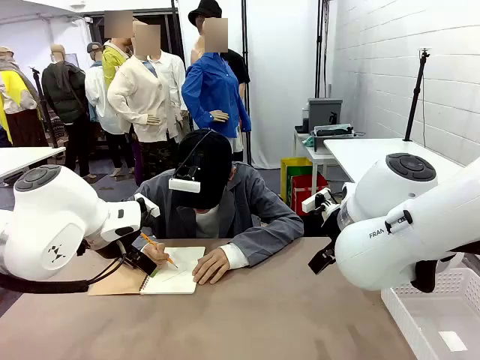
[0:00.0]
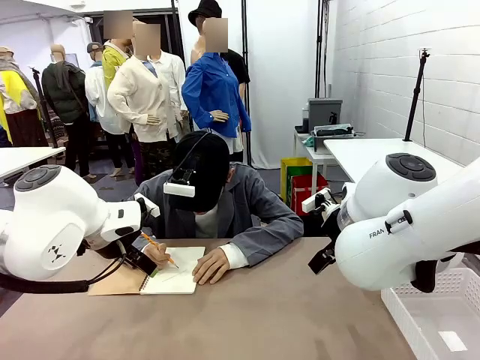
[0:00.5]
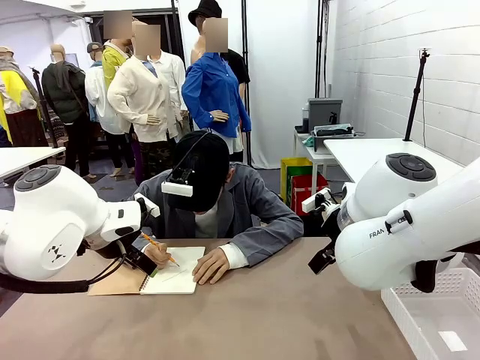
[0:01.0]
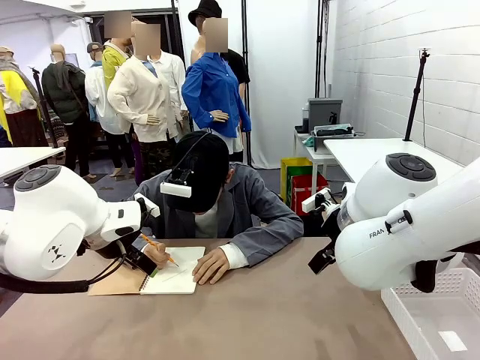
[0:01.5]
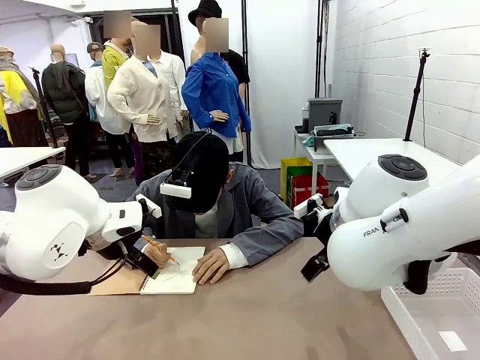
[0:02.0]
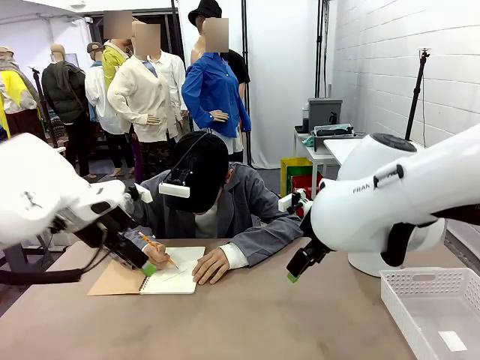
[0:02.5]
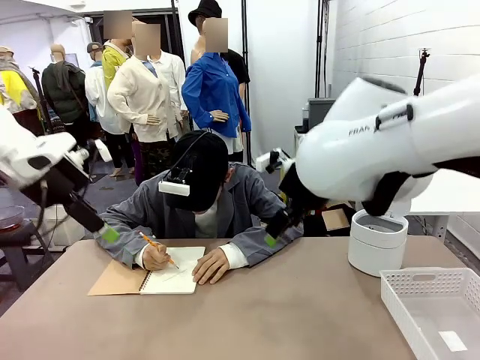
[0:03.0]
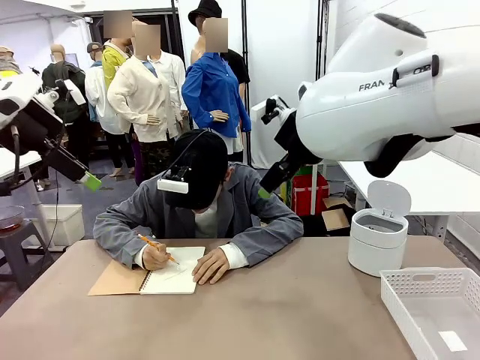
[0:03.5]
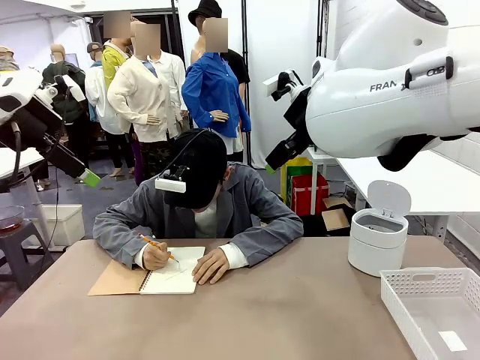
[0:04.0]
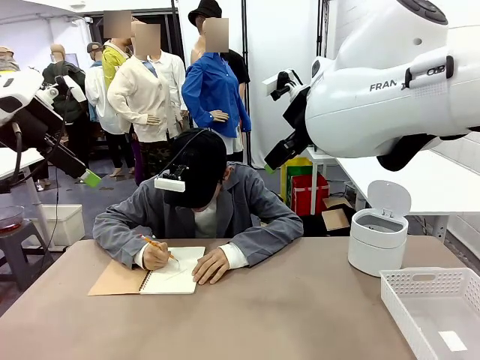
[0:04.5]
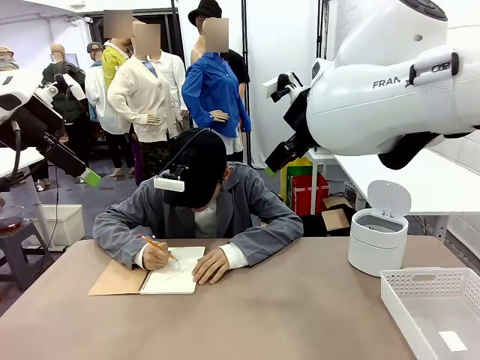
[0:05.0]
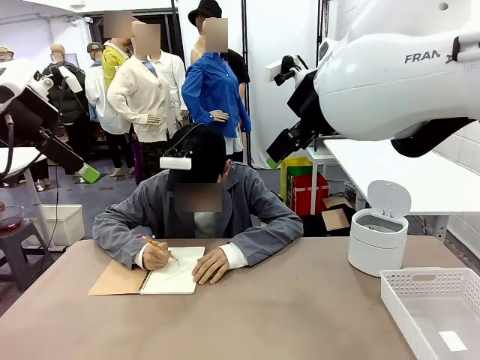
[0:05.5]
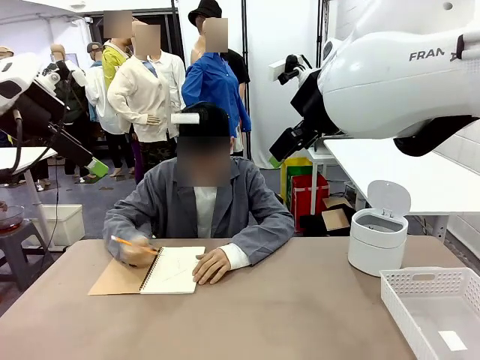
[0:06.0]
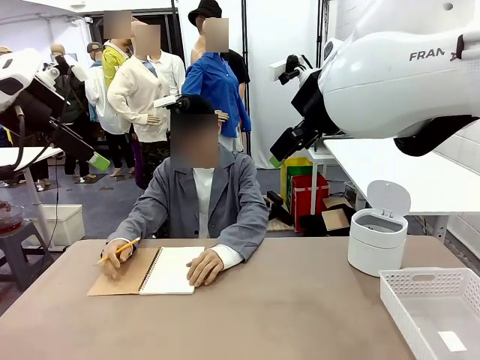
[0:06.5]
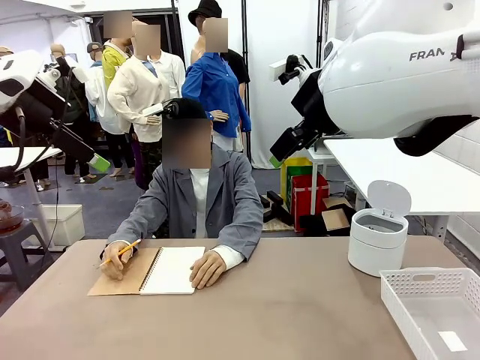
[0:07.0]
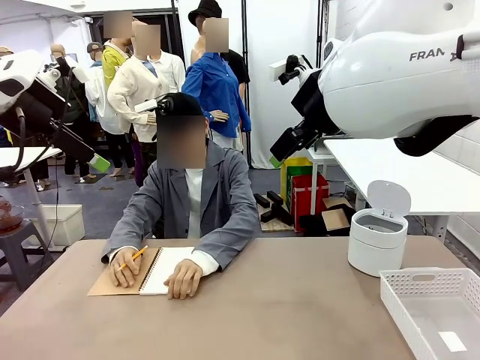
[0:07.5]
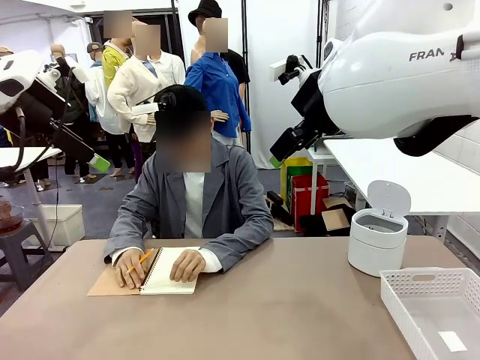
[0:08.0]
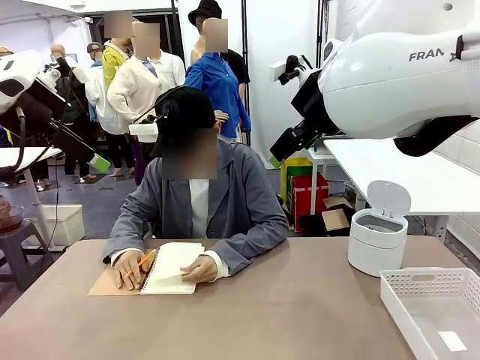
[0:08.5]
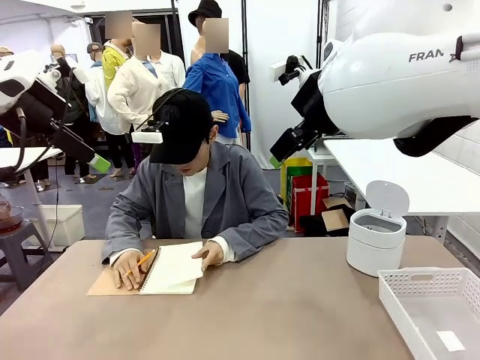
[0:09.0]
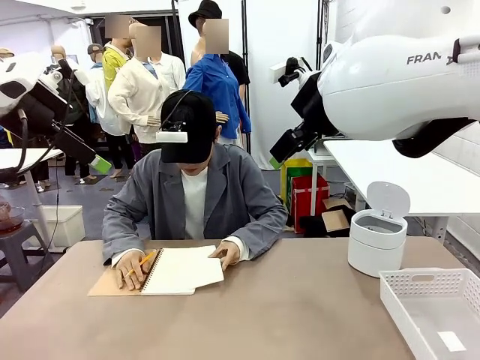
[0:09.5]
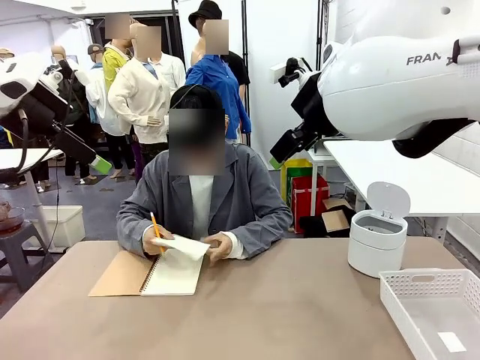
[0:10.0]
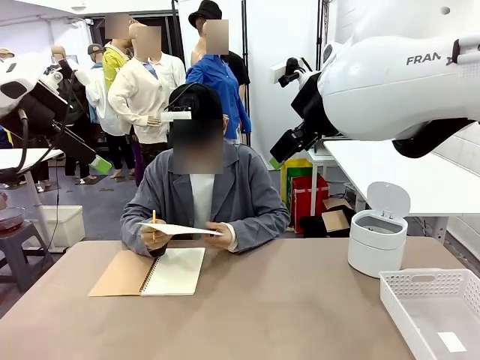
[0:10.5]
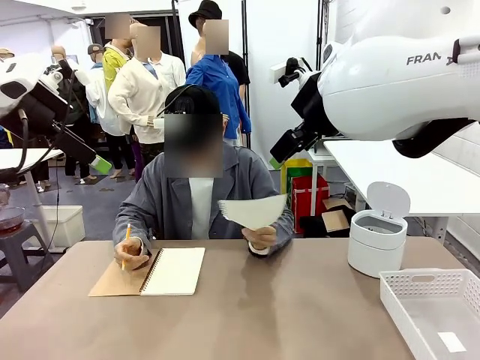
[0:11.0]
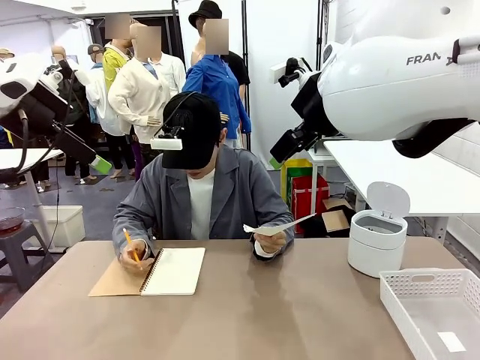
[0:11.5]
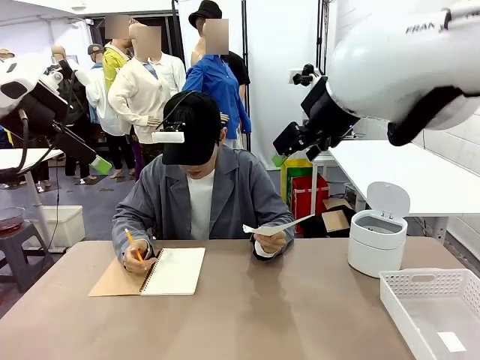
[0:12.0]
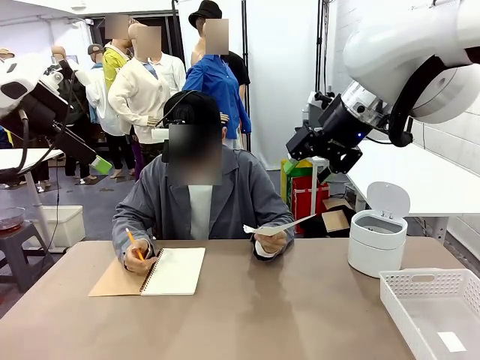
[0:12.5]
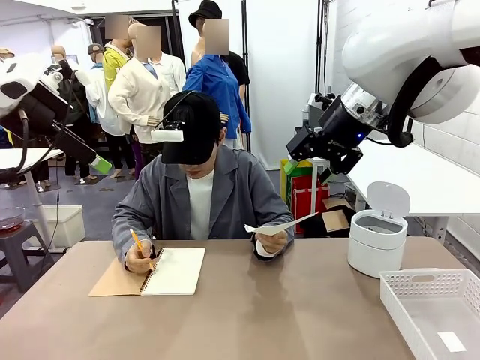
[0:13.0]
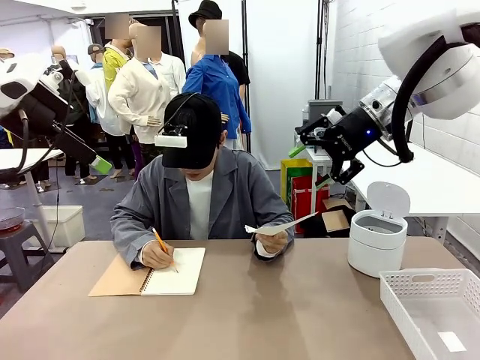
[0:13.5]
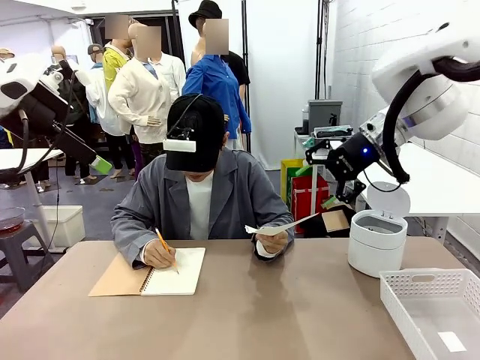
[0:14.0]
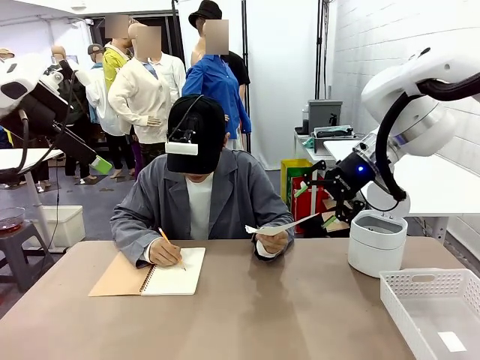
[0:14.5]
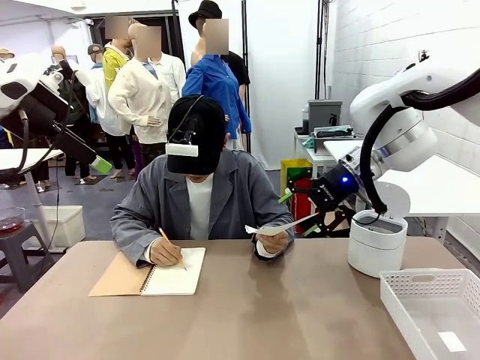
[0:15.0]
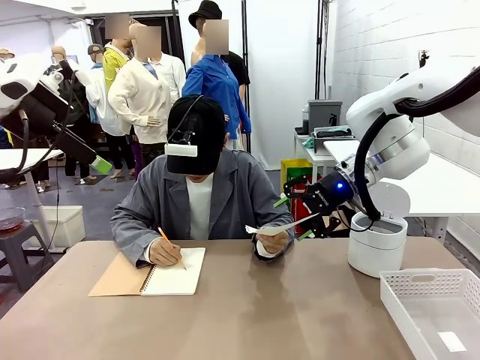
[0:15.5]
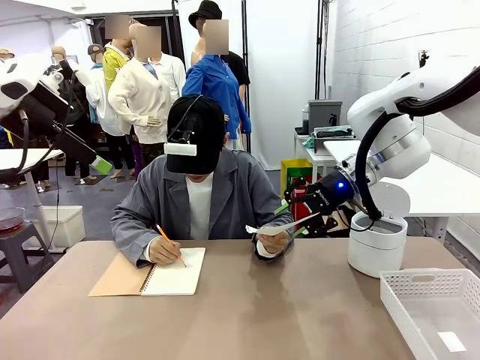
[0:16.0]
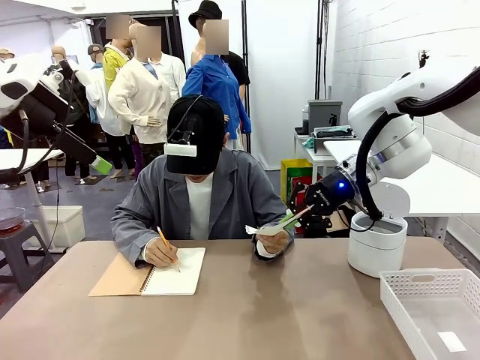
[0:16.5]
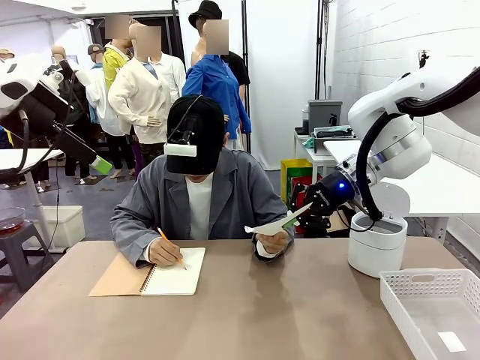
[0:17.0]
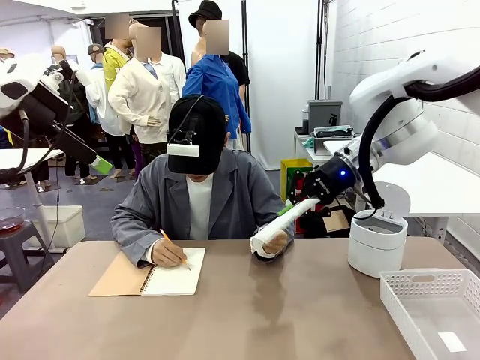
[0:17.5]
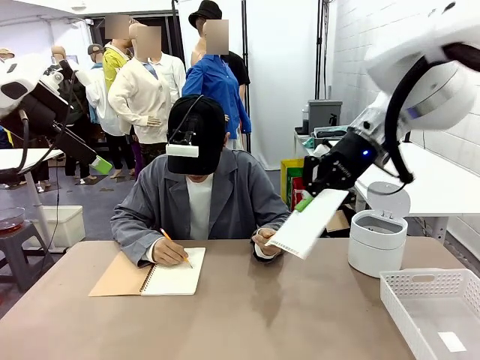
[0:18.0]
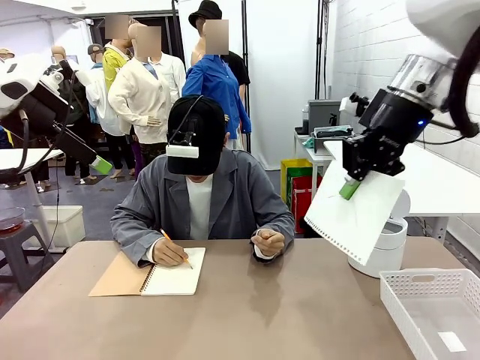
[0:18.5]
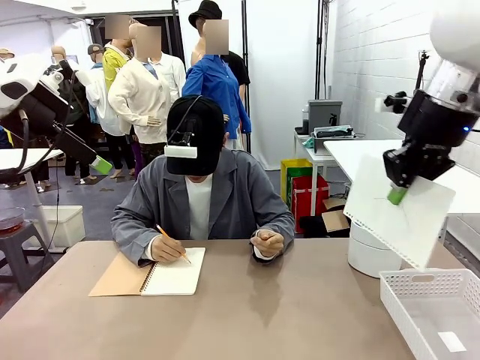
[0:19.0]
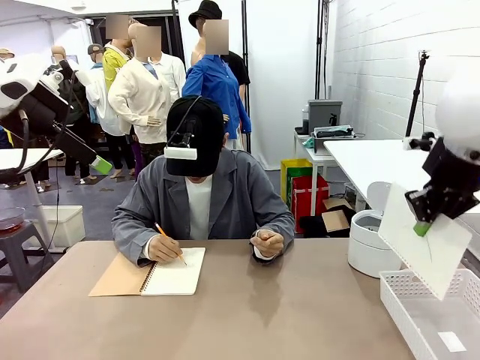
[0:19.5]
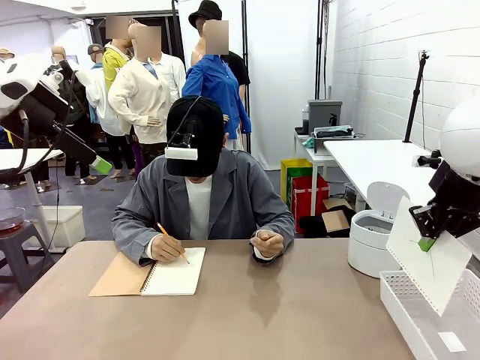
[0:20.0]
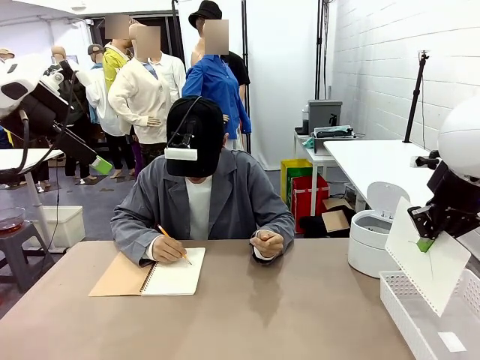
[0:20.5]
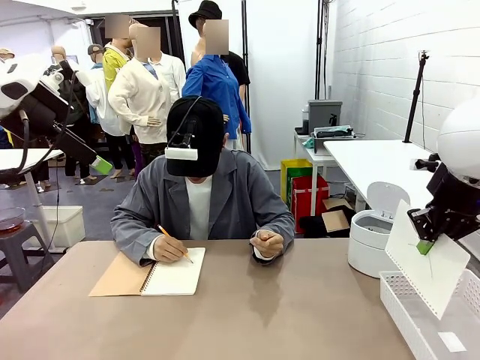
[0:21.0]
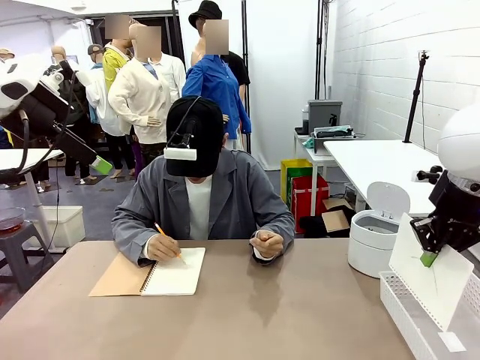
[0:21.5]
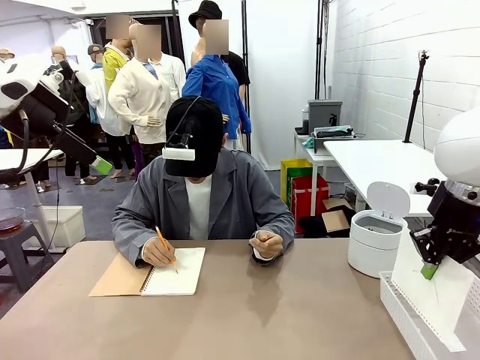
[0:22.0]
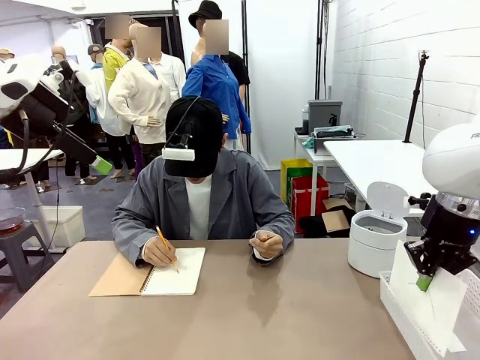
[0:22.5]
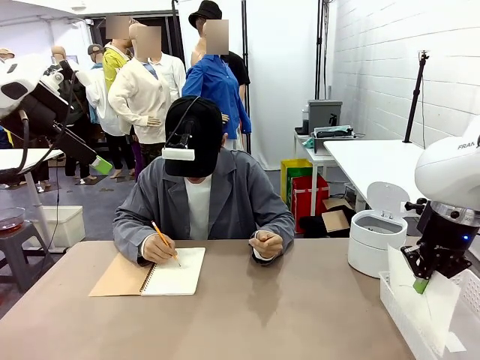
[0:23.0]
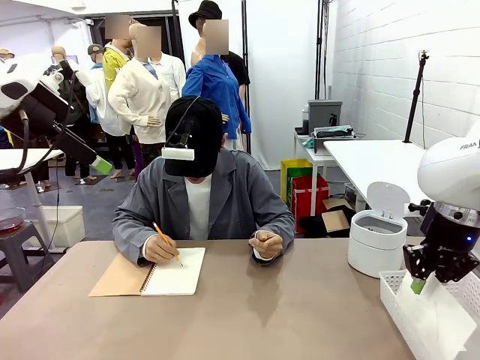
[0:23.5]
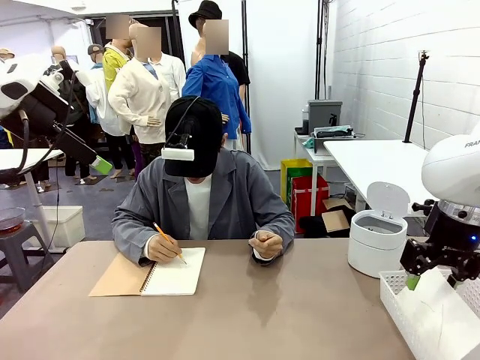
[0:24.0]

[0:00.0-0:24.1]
Task: Sort the paper based on its condition.
Robot: If a person hands you a paper, place it in the Organizing basket , and if it's crumpled, put it in the Trash can.
Person: Tear out a page from the spiral notebook. Hand the torn page to the robot or crumple it and throw it to the center of the table. Tear out a page from the spiral notebook.
